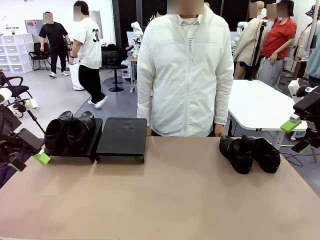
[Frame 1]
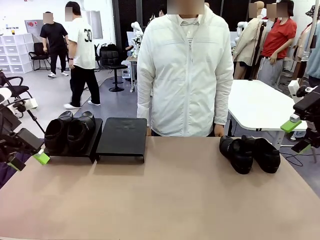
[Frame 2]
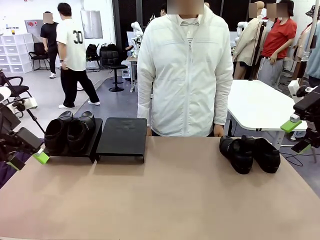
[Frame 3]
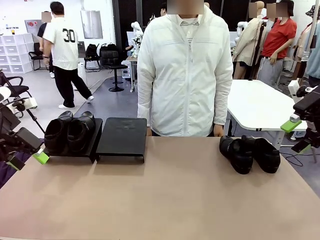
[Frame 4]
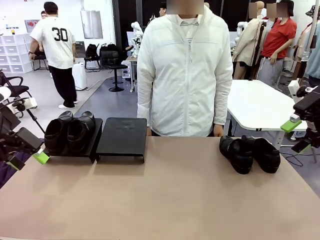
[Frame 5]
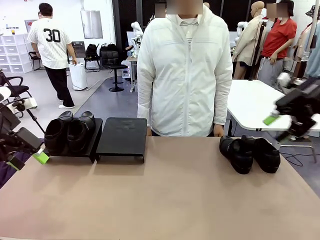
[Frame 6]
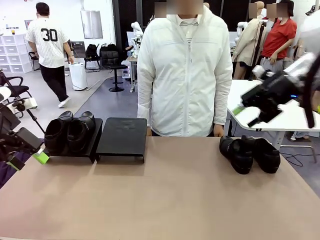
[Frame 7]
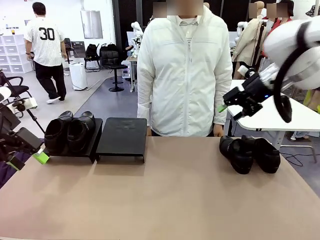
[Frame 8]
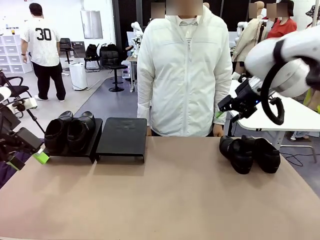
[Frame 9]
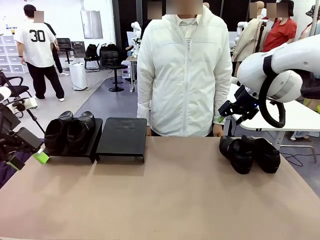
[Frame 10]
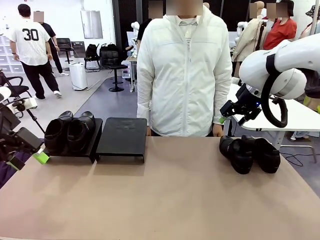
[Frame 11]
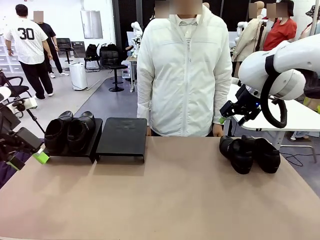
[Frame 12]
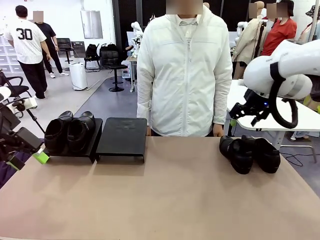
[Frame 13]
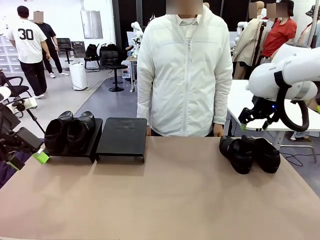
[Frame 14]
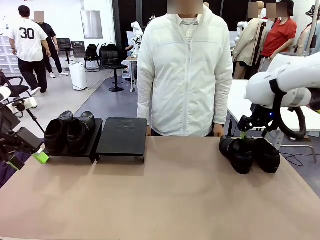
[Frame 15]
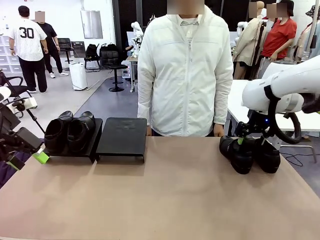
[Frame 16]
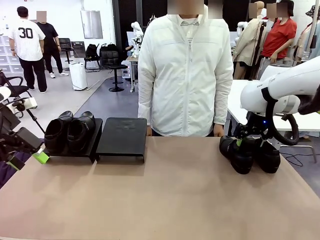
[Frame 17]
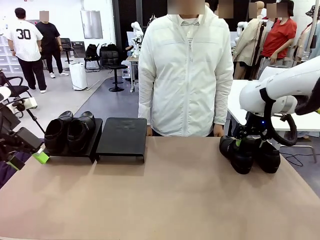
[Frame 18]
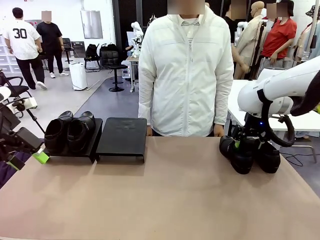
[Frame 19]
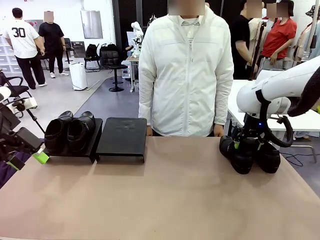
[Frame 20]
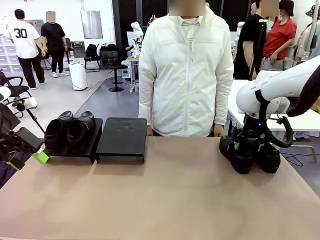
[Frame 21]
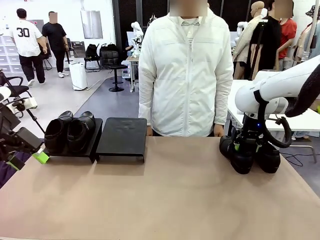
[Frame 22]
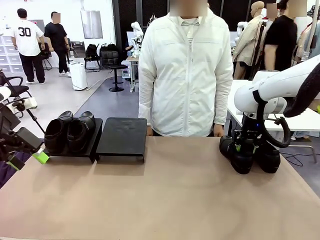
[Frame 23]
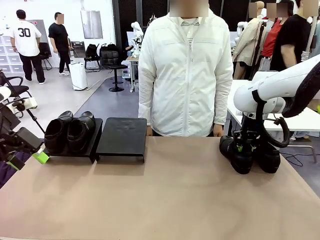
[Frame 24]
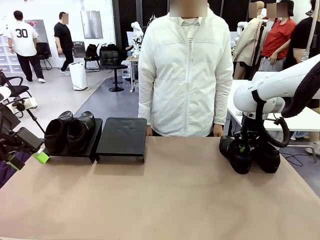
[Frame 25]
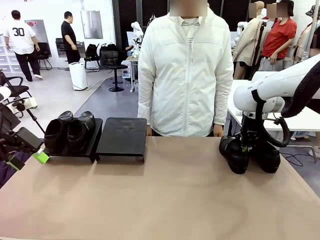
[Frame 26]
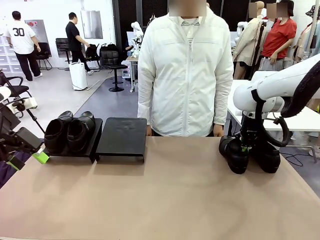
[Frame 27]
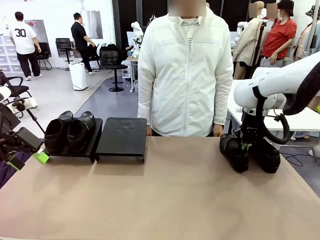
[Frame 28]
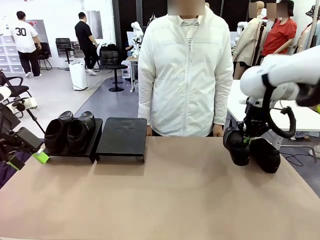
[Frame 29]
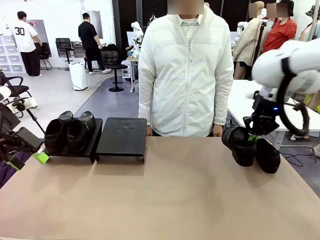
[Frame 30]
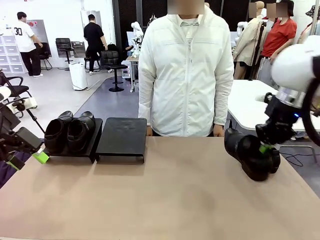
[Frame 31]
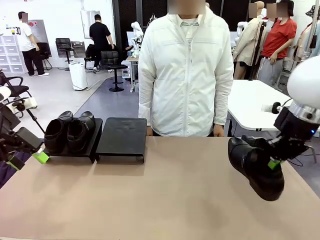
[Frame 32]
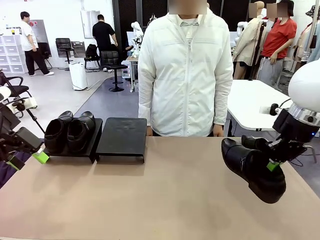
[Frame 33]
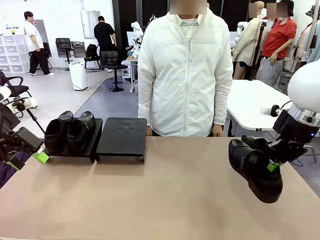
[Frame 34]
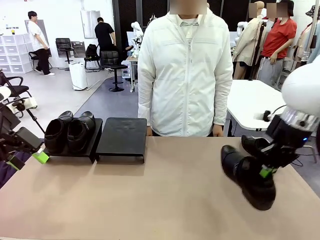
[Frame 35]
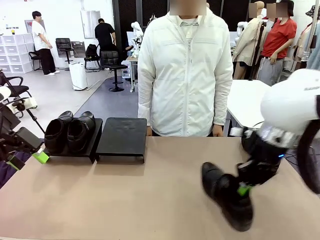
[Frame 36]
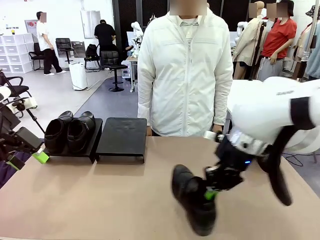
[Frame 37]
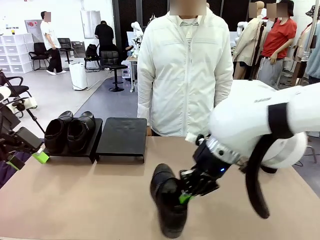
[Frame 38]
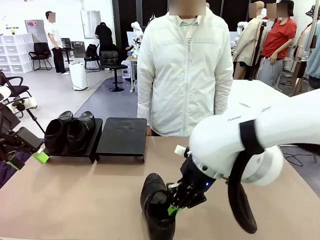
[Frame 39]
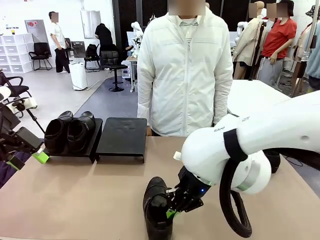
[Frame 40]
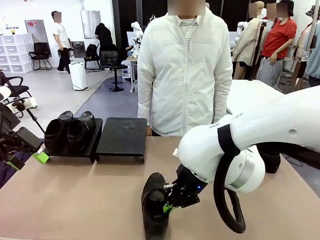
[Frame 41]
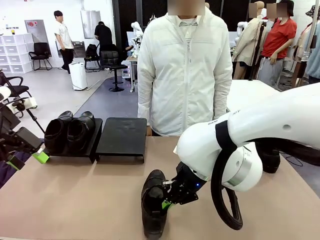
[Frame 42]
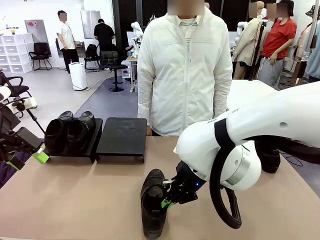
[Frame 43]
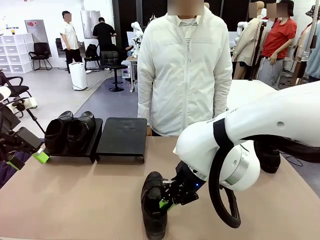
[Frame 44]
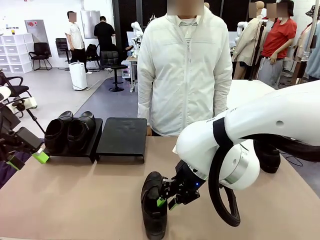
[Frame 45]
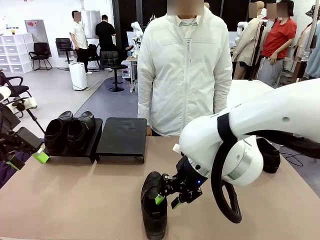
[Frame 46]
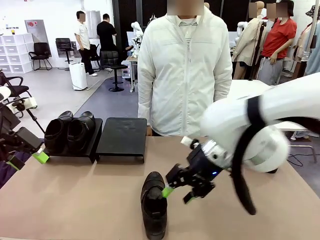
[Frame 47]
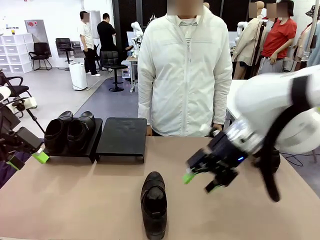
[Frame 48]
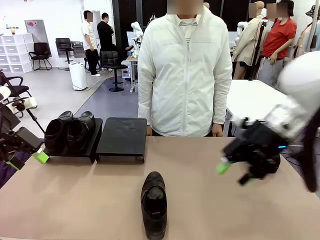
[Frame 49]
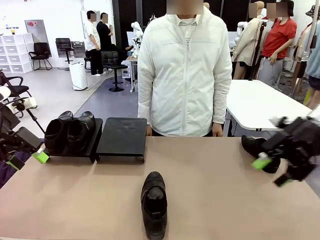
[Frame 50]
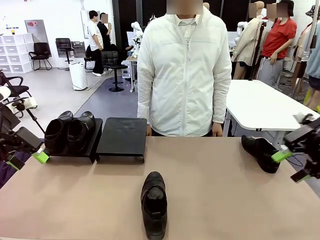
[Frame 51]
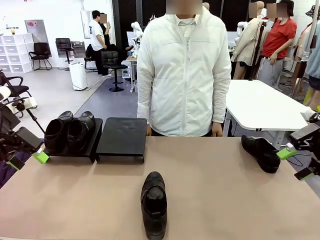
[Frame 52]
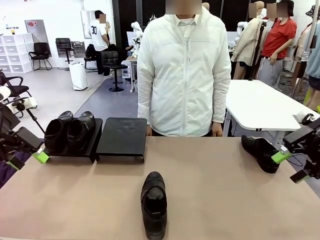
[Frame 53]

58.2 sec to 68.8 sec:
Task: Organize the shoes by placing them on the stand.
Robot: Pick up one Shoe and place it in the middle of the table.

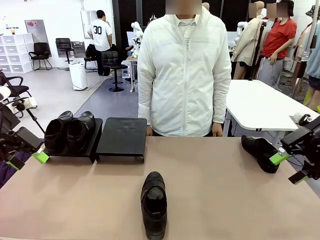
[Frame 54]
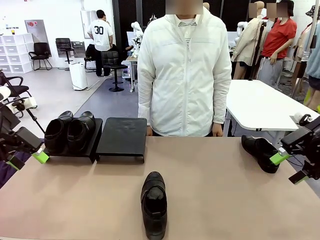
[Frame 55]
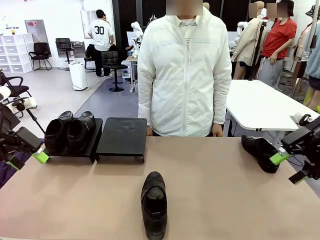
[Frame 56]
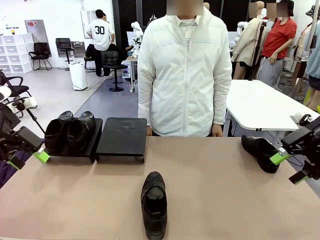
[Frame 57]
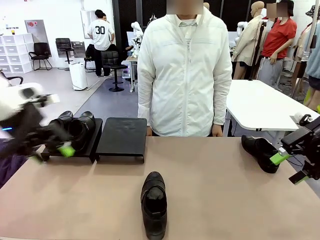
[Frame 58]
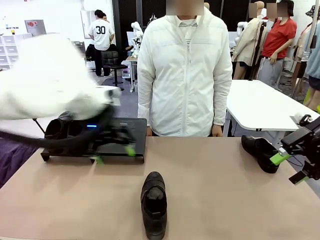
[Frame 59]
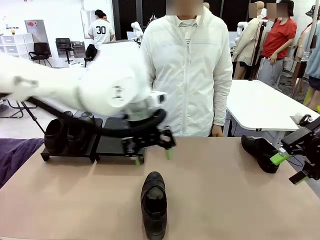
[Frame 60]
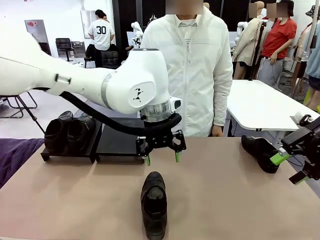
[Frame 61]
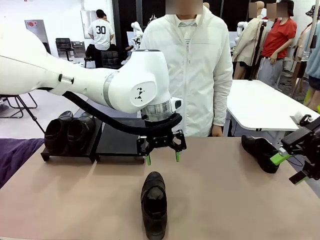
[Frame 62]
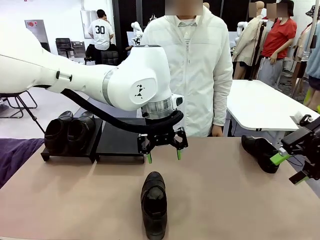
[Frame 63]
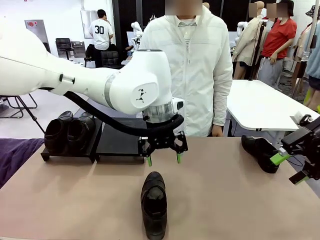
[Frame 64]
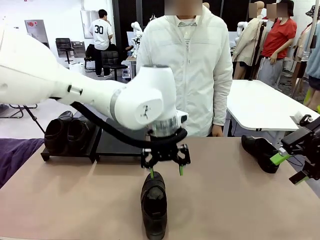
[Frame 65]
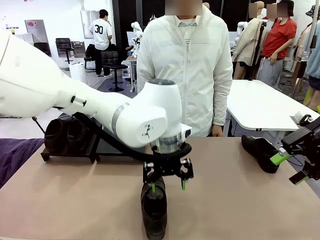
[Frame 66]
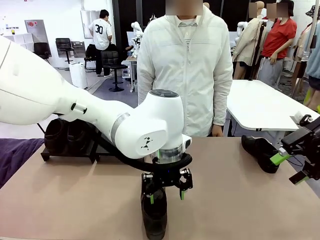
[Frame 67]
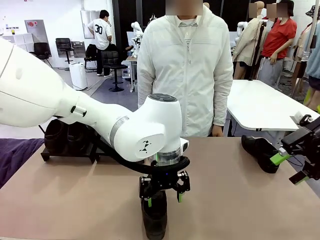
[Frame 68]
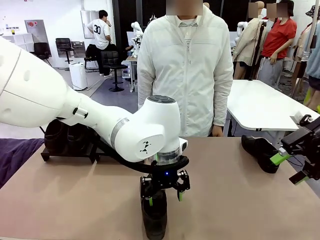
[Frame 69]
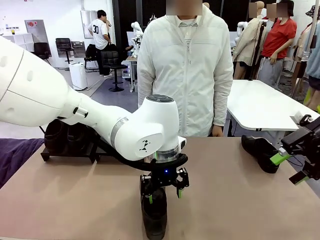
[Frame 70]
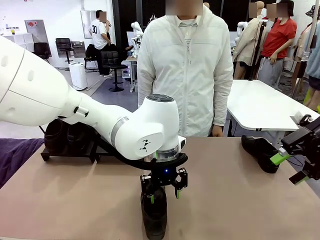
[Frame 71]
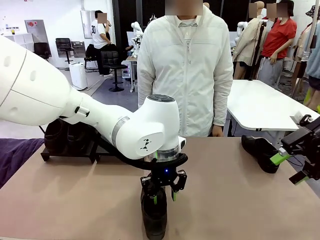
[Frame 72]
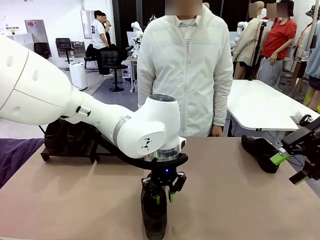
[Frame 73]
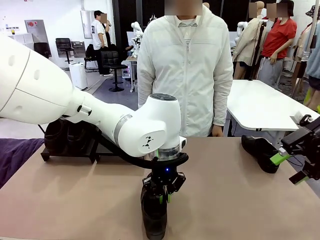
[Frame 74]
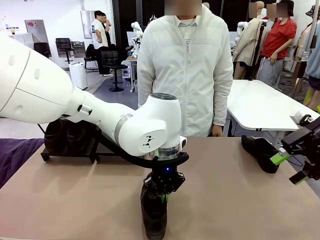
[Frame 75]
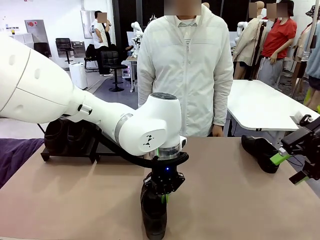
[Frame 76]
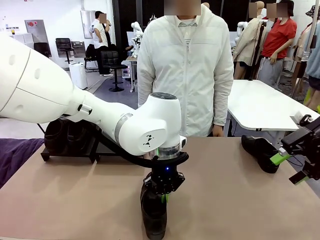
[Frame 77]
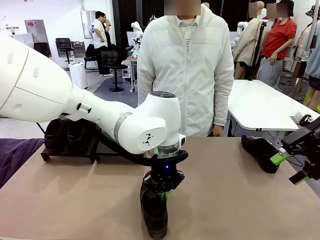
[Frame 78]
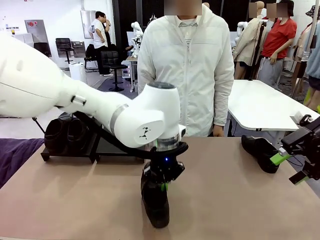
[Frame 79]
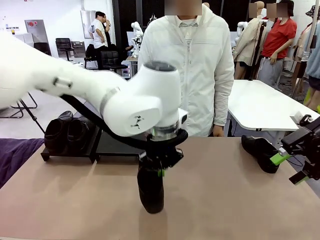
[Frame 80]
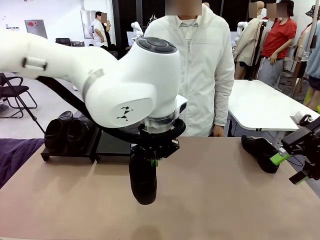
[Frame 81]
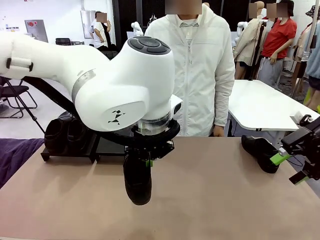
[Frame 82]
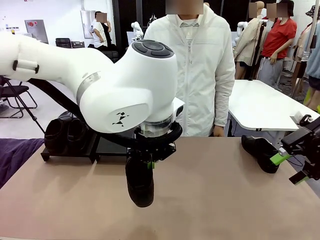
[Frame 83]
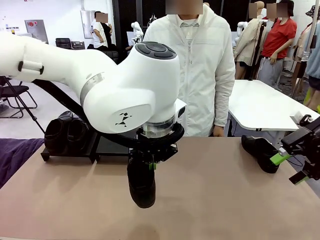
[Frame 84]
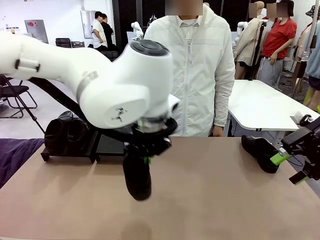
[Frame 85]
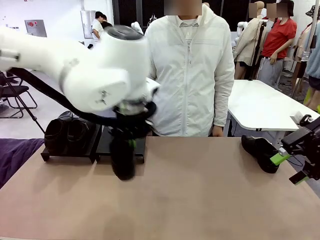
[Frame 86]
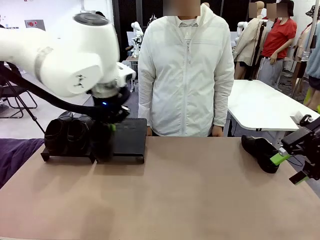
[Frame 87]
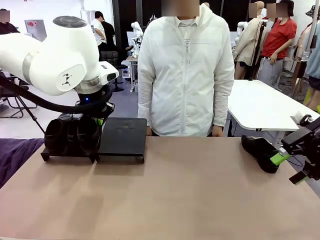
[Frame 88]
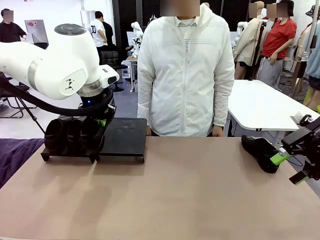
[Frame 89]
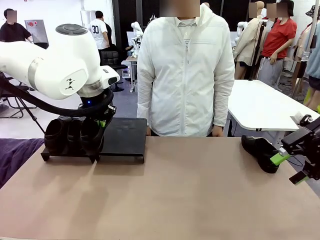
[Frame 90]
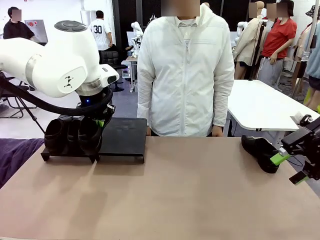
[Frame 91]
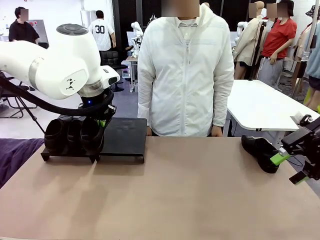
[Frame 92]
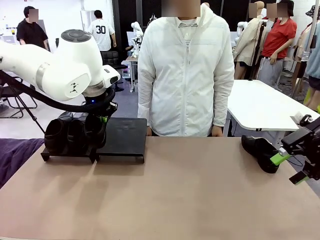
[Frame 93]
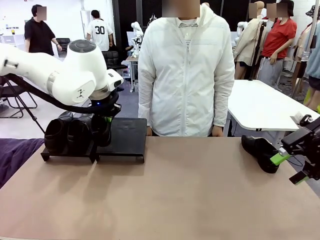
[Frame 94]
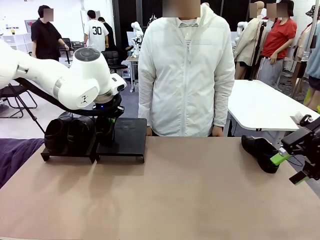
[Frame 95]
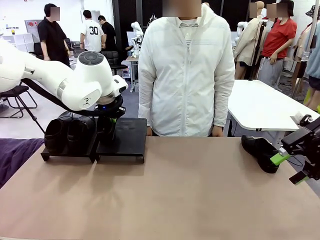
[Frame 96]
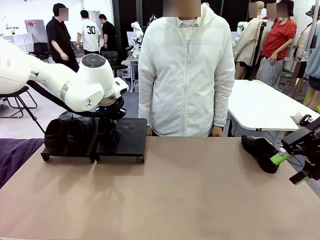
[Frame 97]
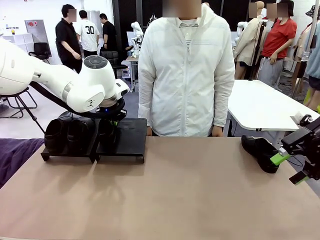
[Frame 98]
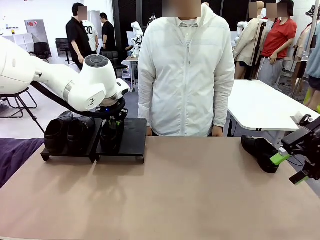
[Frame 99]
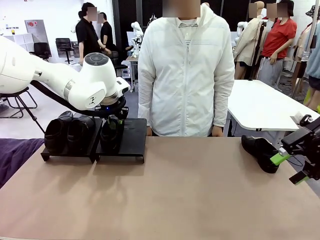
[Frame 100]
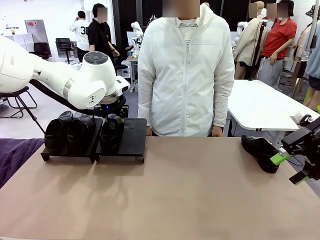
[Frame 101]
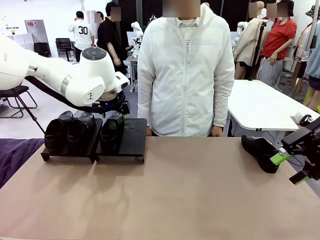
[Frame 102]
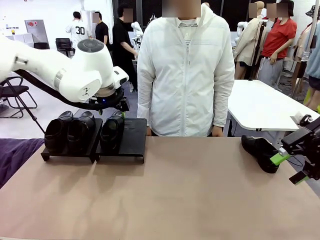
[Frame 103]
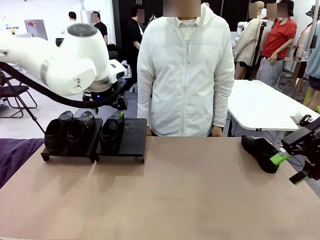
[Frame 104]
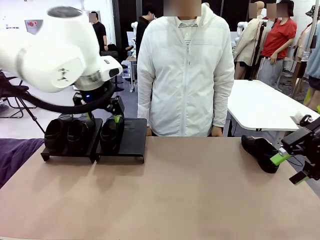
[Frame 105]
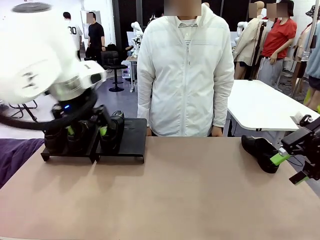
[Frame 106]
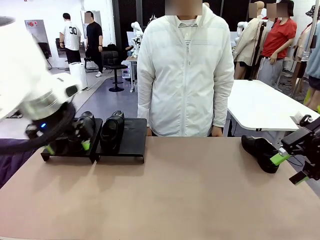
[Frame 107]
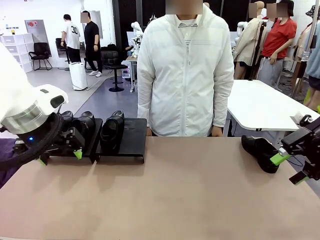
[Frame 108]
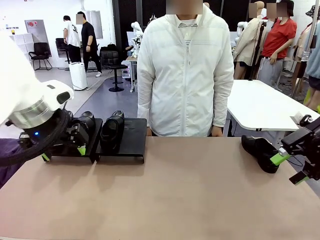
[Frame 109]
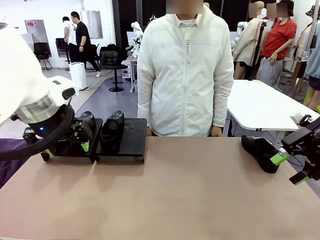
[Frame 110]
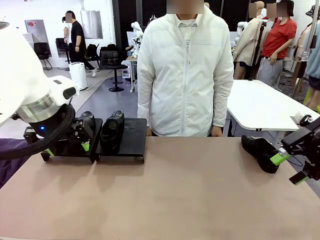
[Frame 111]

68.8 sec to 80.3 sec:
Robot: Place the Shoe from the middle of the table onto the Shoes Stand.
